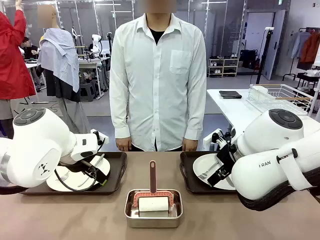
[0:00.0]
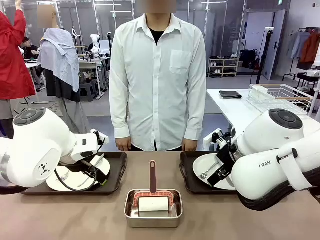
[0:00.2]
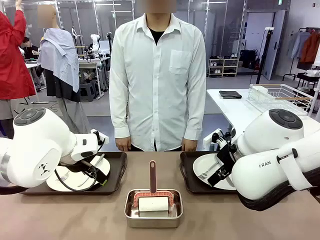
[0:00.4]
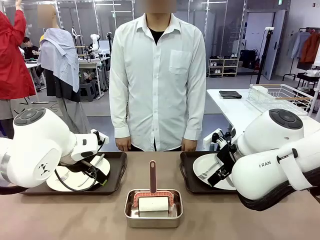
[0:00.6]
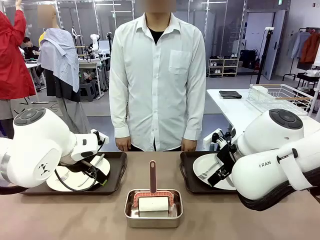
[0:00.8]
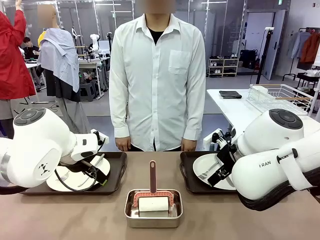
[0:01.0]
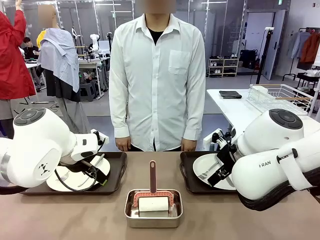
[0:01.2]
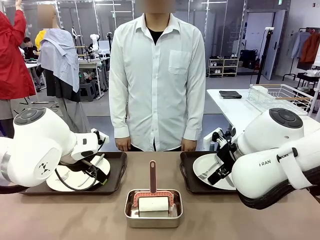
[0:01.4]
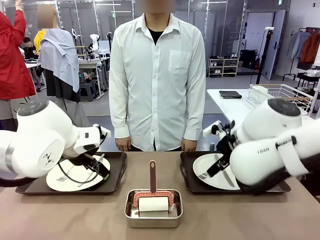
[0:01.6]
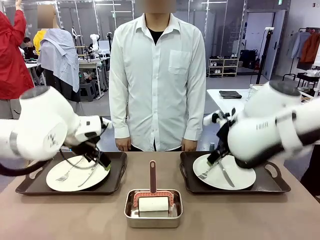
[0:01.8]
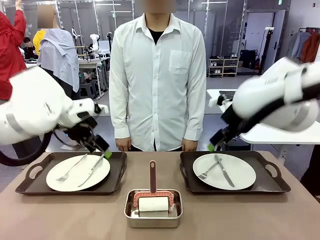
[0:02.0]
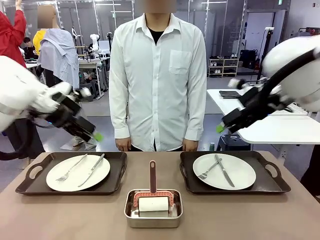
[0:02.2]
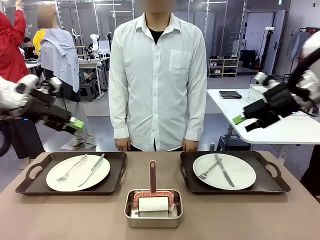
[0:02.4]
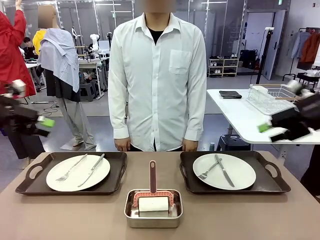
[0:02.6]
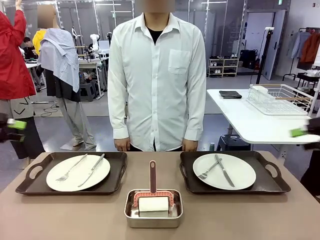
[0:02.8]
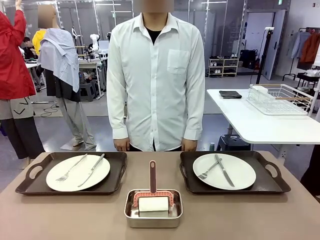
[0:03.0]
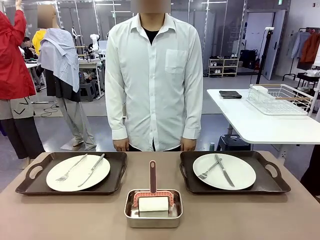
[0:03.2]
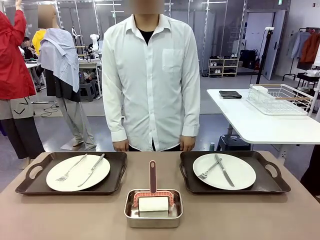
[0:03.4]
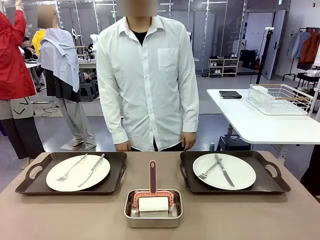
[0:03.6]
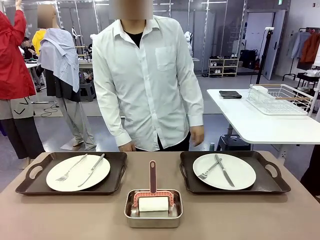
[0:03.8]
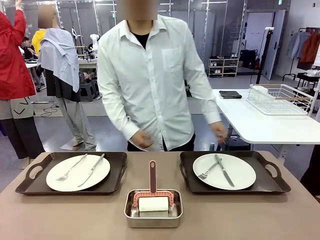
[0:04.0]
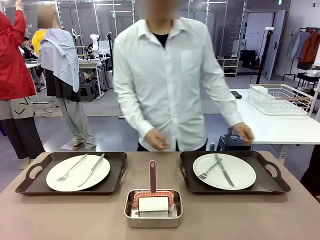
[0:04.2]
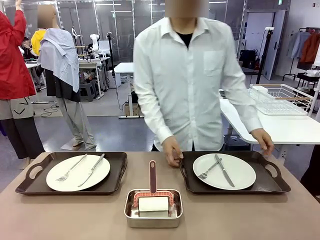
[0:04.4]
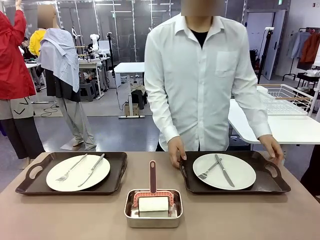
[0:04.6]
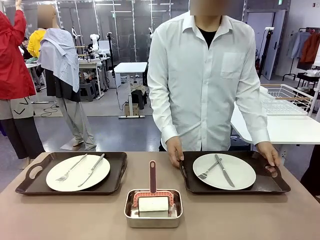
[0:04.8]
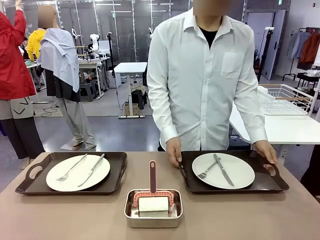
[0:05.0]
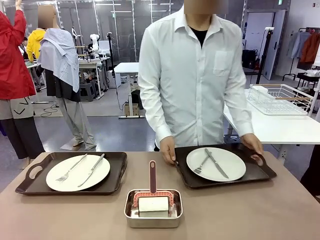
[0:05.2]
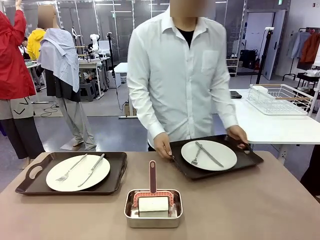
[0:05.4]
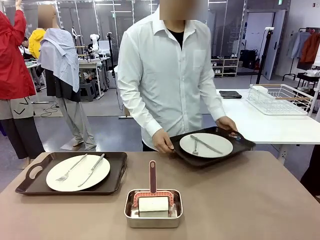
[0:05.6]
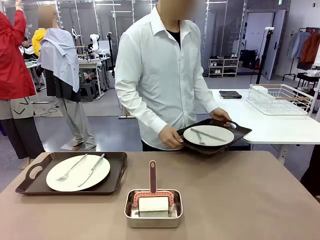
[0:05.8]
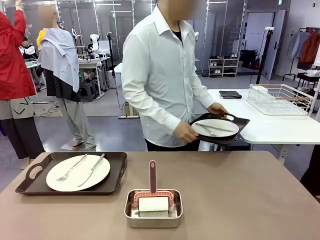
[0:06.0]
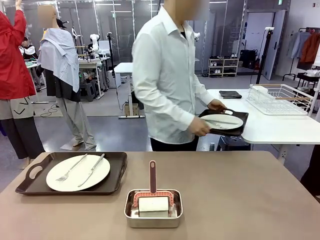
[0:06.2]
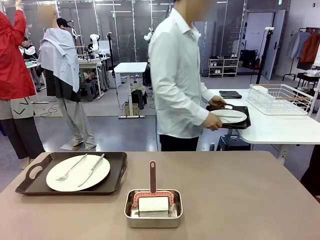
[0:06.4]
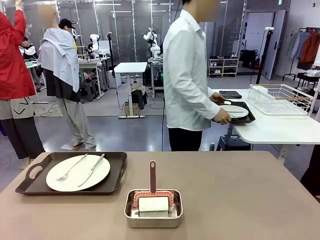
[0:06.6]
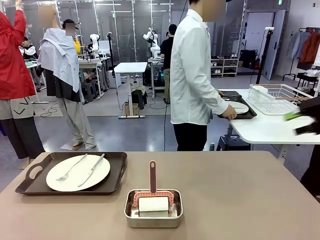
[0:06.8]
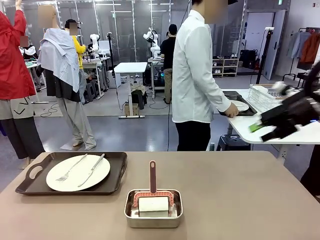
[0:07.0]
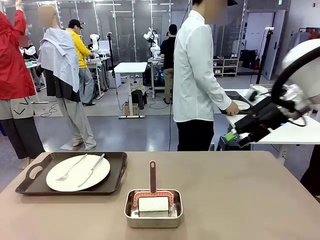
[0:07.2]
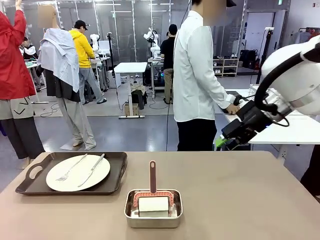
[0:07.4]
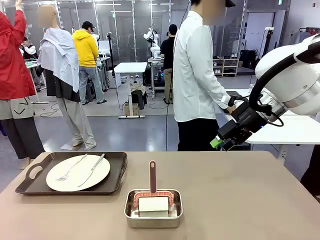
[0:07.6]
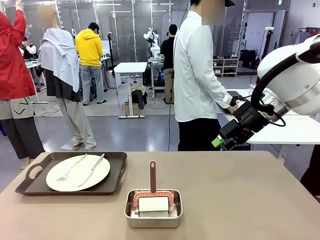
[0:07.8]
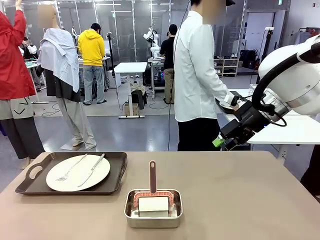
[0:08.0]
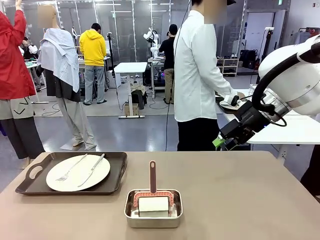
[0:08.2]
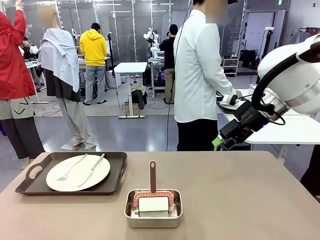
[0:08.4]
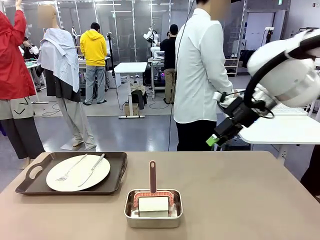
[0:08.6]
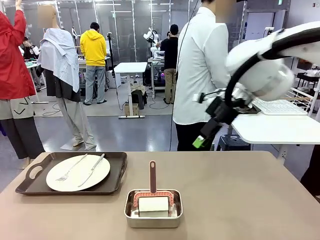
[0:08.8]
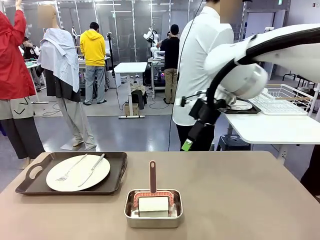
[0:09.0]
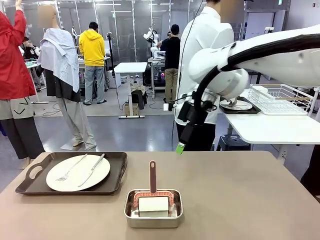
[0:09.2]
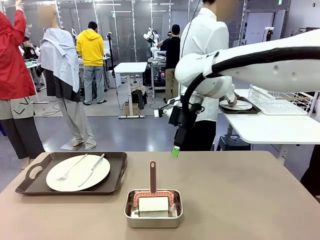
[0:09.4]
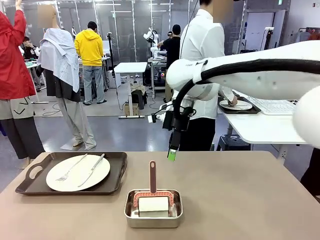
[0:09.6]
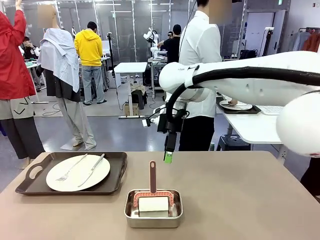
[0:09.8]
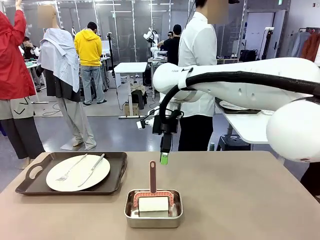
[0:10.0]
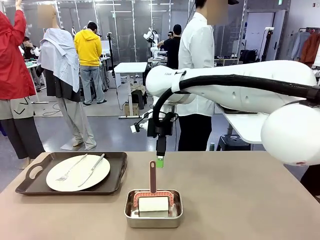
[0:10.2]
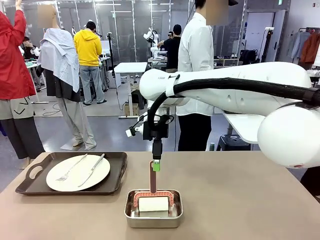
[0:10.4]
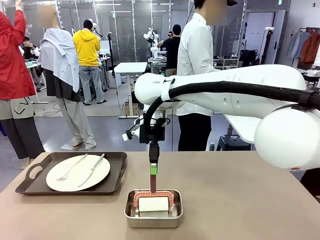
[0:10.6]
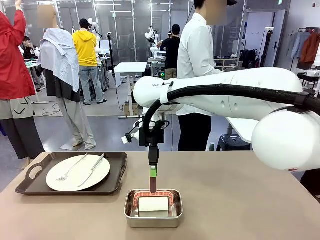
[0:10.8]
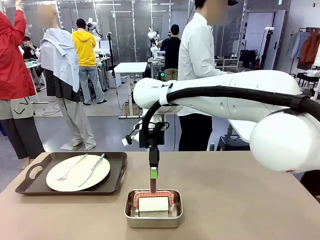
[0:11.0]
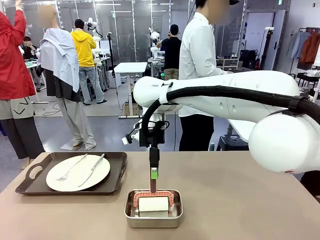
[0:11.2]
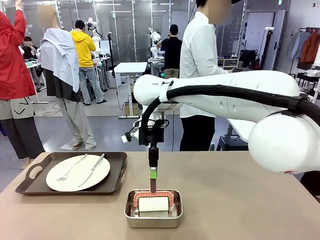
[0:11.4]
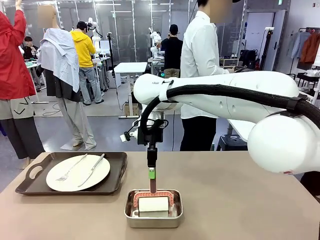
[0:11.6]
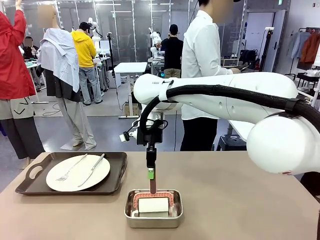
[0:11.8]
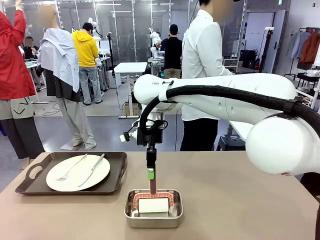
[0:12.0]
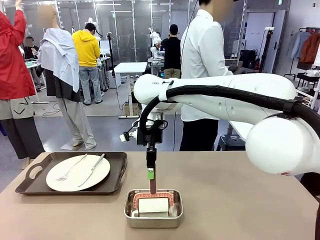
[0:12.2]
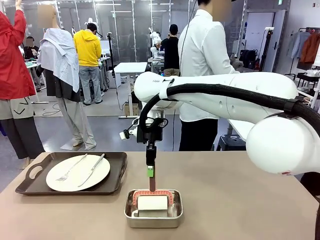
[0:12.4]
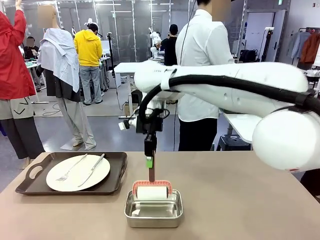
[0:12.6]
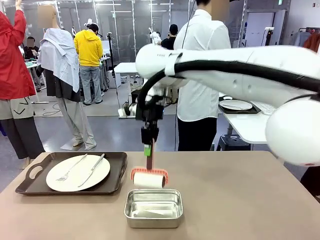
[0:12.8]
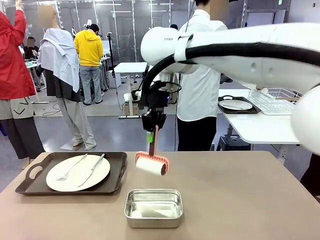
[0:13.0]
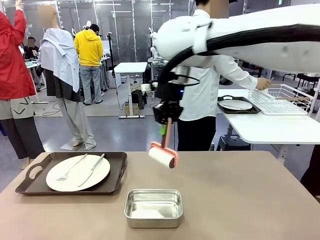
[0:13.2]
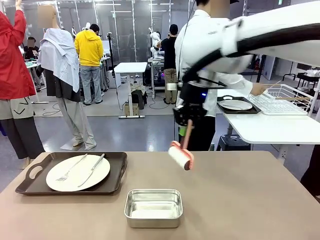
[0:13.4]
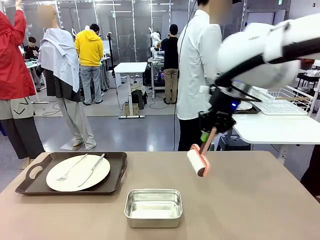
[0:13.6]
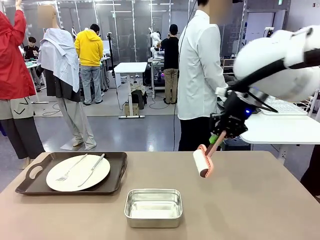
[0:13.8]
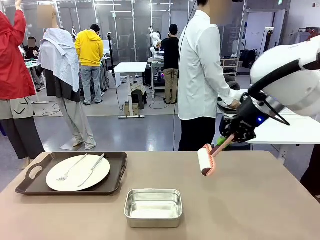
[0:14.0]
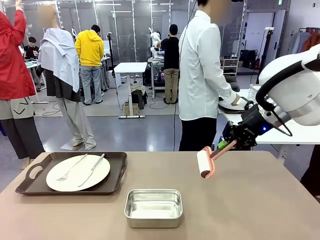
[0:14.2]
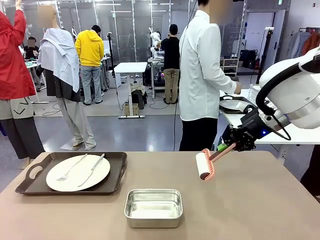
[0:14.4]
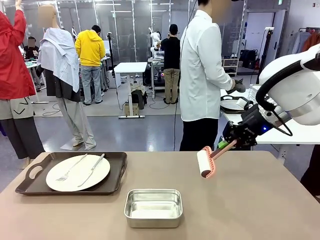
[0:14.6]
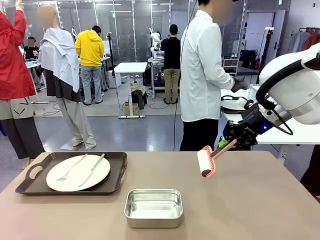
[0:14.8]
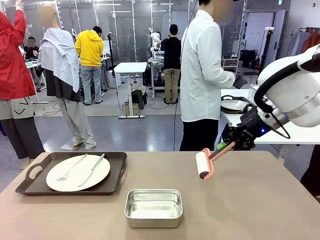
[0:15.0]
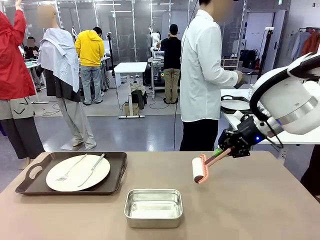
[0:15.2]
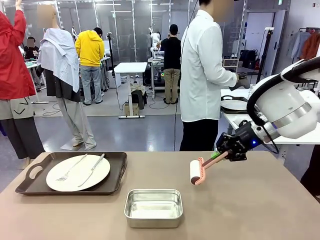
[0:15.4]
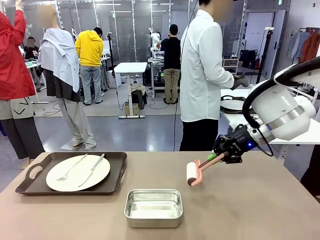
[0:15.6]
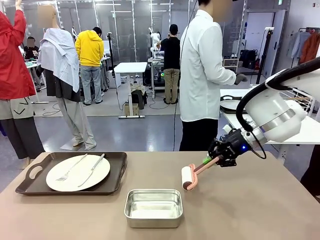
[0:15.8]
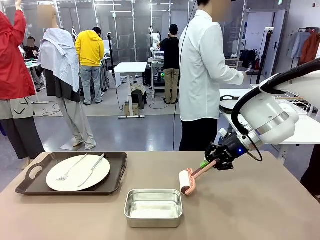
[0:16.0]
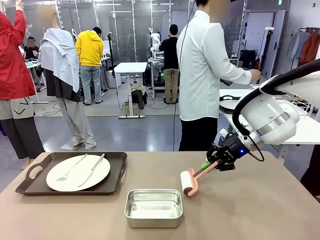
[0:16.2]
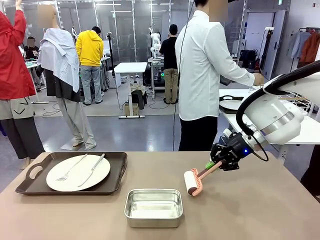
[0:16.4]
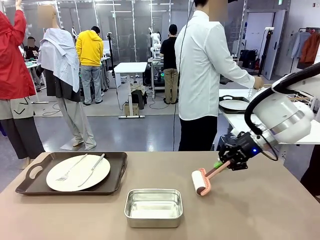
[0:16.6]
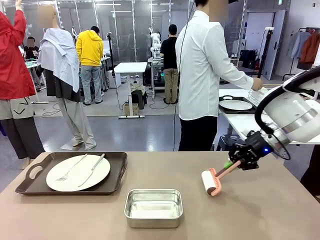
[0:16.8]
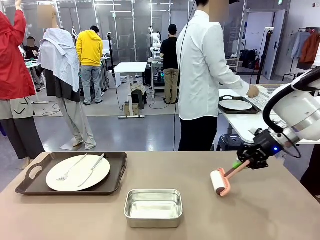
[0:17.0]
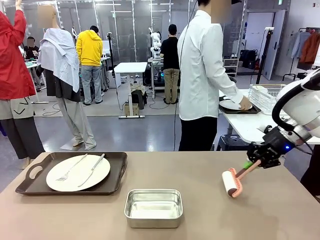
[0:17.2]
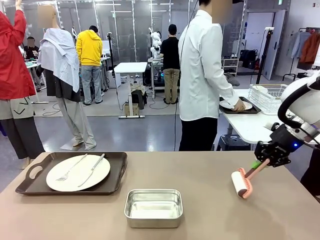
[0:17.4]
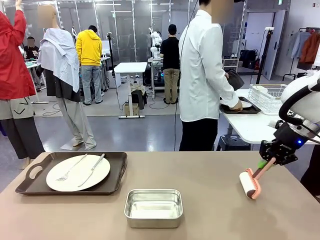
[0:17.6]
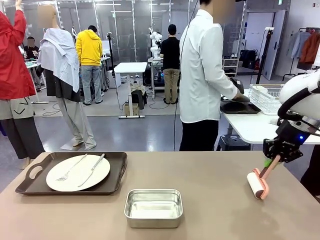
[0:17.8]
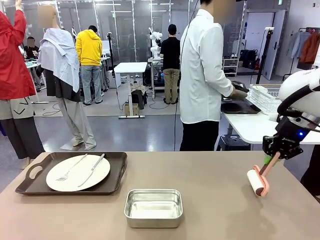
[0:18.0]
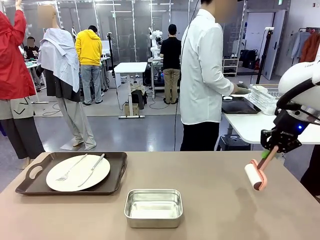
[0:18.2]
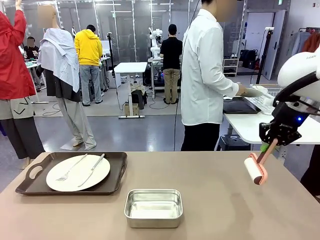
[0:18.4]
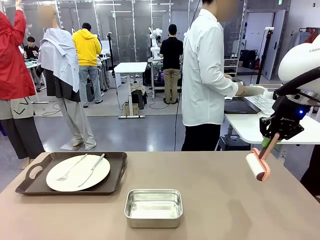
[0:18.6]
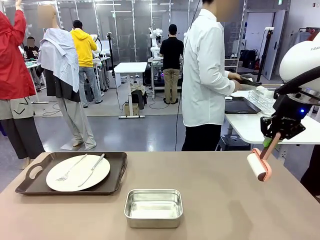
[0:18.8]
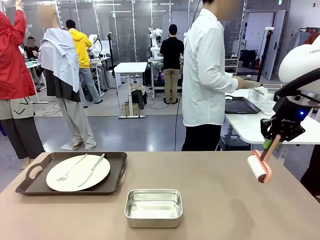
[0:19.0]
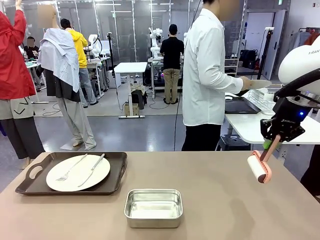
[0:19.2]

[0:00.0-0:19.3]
Robot: When the left (or right) Handle tray is removed, use the left hand (or right hand) to clean the left (or right) side of the table with the Lint Roller.
Person: Pick up the left (or right) Handle tray and place it on the middle of the Human's table. Use the Towel with hook to wipe the Plastic Matte Plate , Fork , and Knife and place into the Dish drying rack.

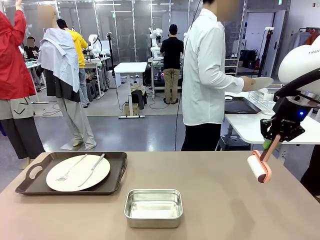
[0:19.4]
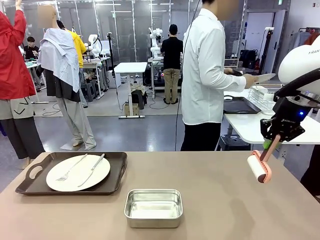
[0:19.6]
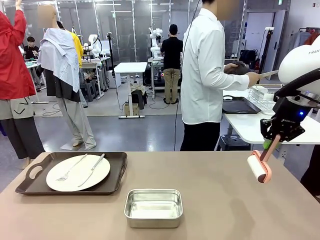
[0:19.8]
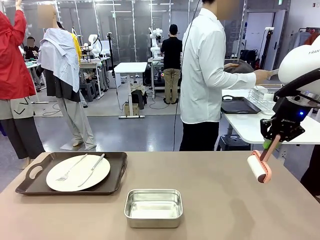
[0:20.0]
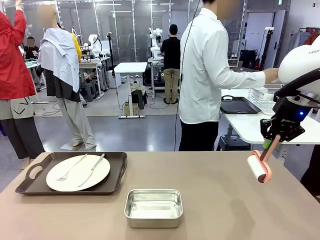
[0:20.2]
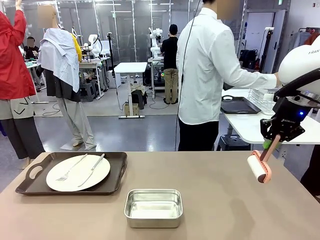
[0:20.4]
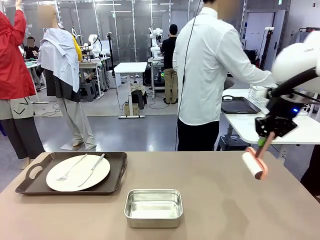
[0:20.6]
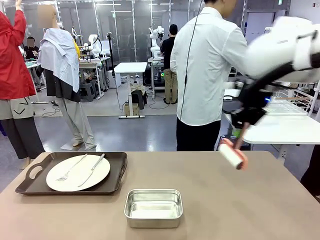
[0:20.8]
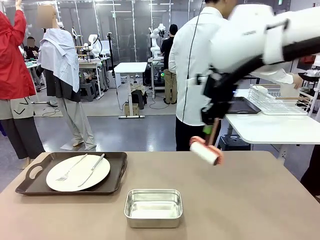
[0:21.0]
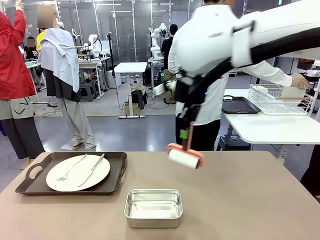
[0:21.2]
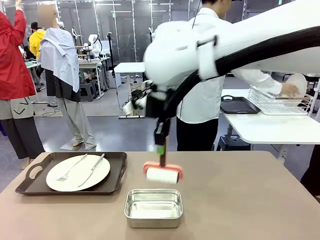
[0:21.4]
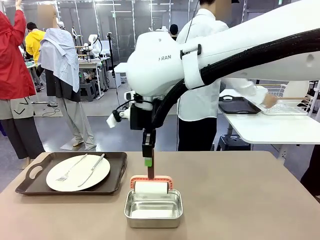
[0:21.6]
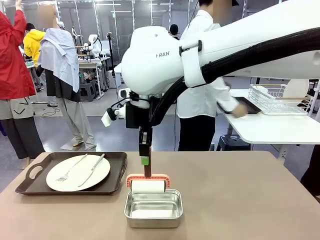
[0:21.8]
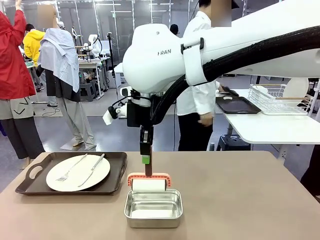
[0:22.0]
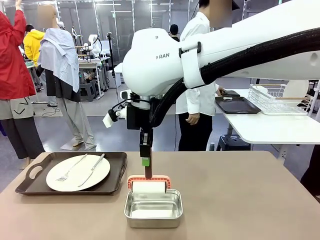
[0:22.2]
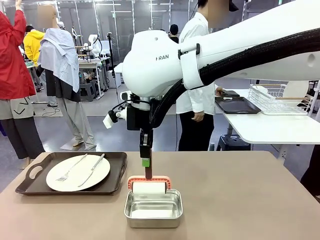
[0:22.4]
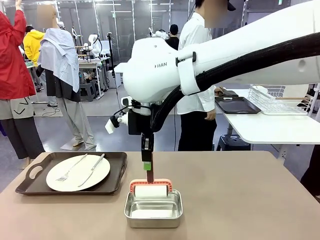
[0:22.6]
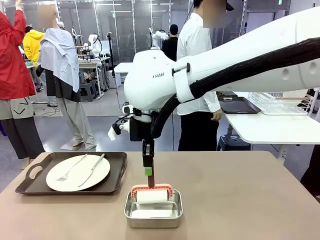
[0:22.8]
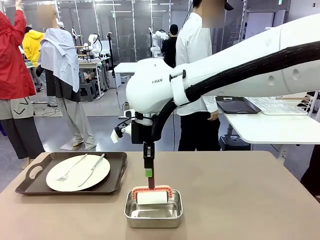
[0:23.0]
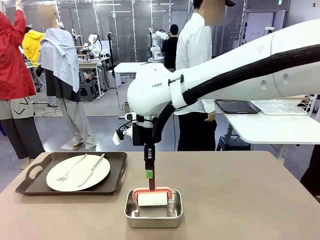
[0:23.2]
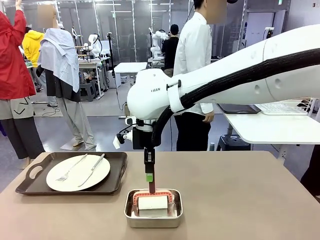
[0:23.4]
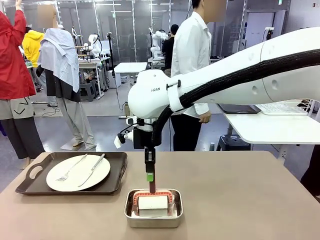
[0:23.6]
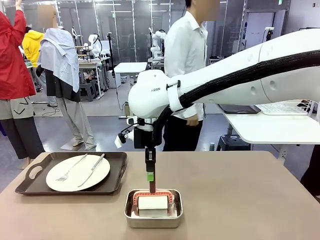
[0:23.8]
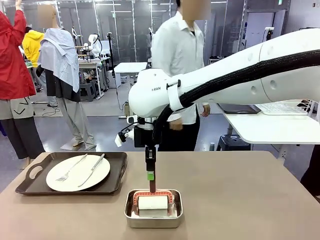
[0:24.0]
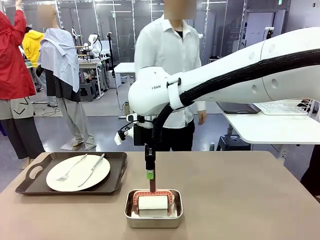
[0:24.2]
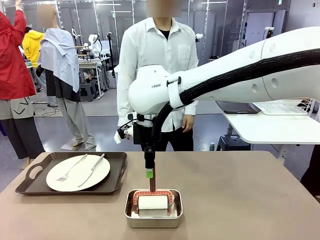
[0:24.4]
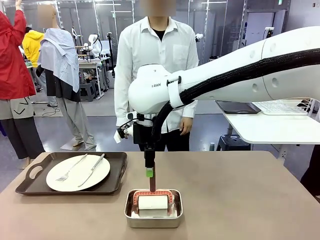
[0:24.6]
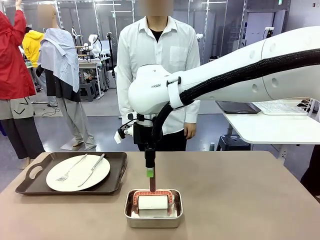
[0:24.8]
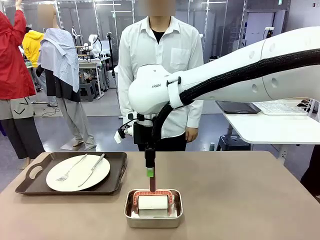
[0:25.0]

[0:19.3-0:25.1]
Robot: Place the Lint Roller back on top of the Airtight Container.
